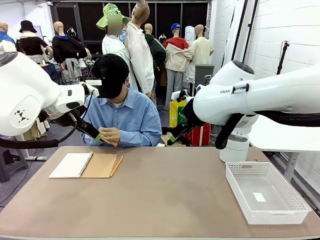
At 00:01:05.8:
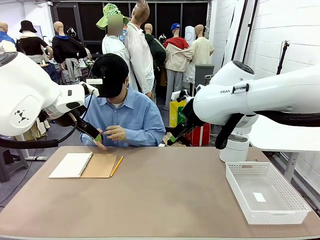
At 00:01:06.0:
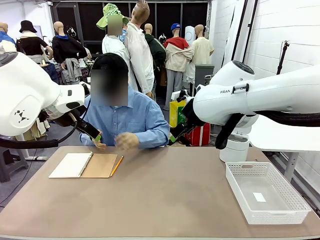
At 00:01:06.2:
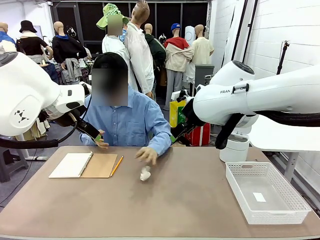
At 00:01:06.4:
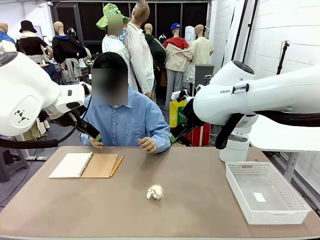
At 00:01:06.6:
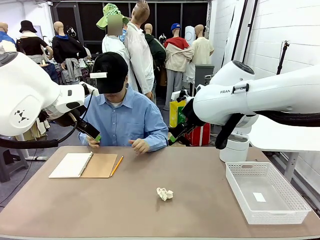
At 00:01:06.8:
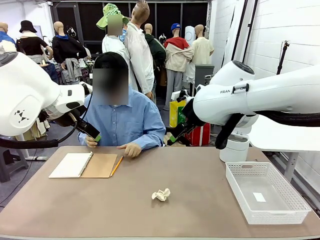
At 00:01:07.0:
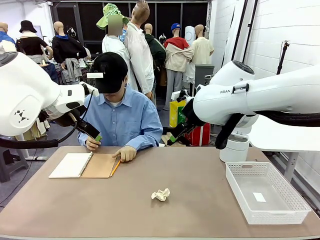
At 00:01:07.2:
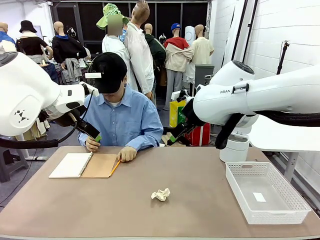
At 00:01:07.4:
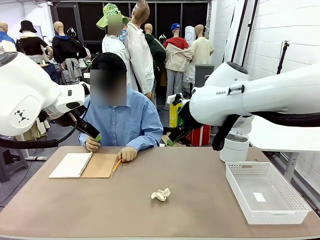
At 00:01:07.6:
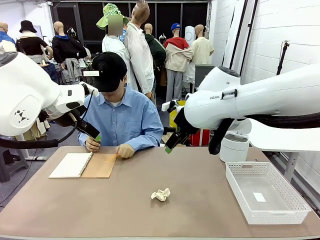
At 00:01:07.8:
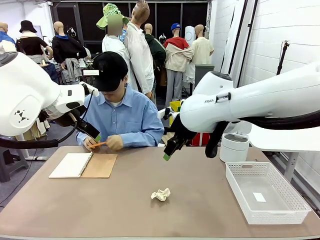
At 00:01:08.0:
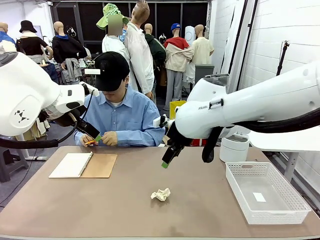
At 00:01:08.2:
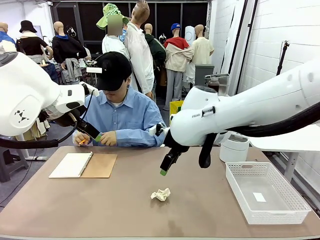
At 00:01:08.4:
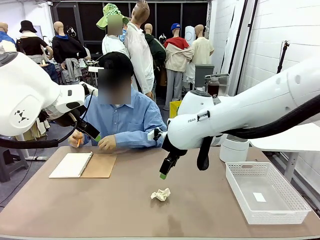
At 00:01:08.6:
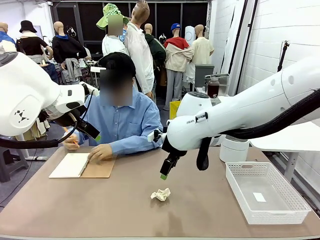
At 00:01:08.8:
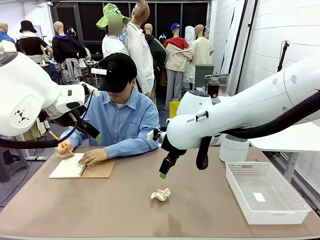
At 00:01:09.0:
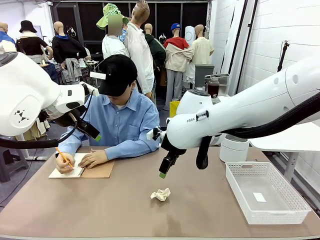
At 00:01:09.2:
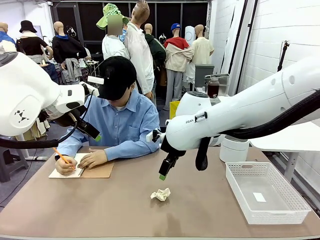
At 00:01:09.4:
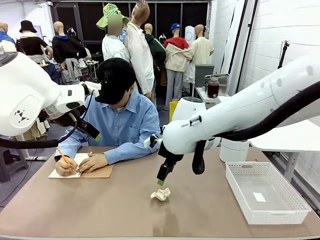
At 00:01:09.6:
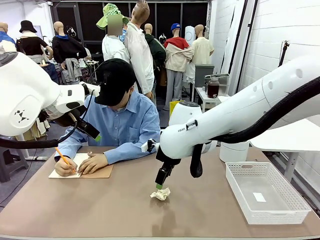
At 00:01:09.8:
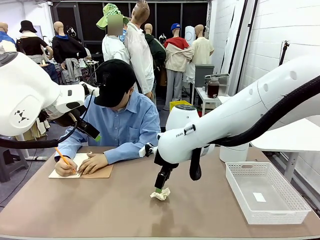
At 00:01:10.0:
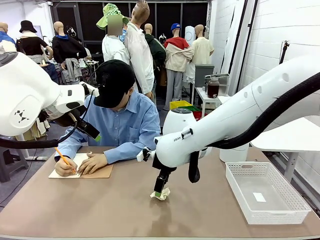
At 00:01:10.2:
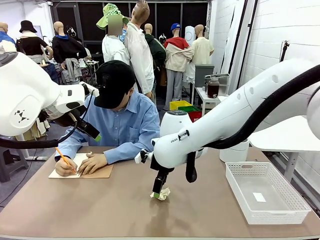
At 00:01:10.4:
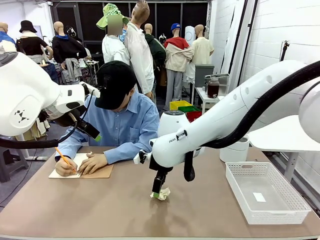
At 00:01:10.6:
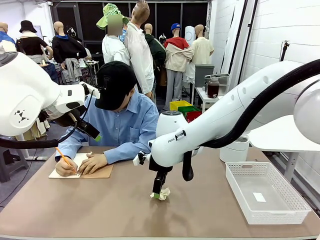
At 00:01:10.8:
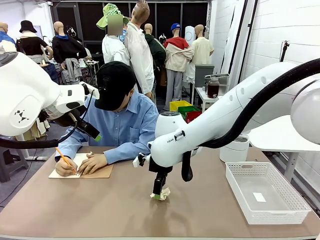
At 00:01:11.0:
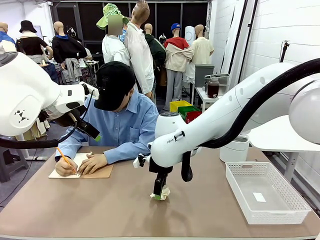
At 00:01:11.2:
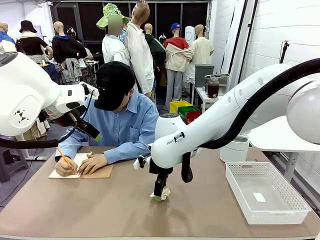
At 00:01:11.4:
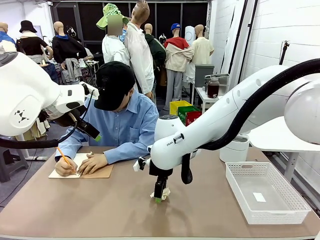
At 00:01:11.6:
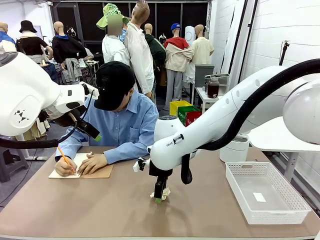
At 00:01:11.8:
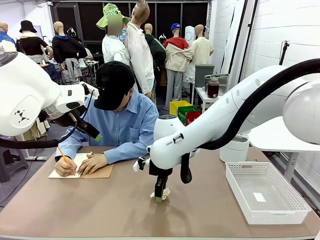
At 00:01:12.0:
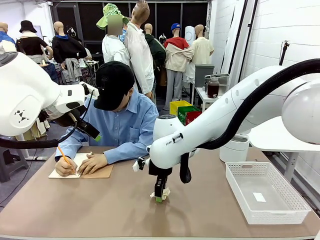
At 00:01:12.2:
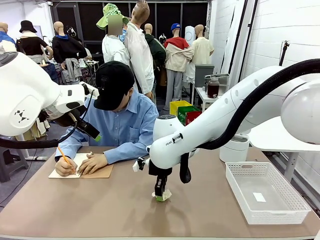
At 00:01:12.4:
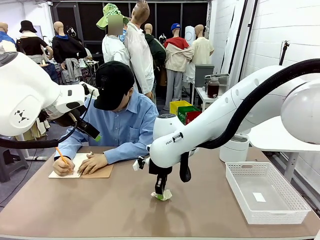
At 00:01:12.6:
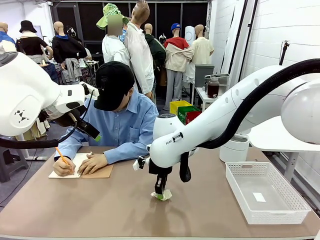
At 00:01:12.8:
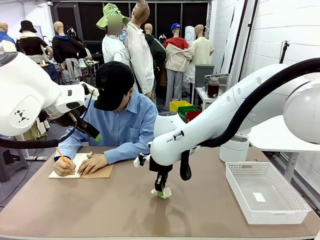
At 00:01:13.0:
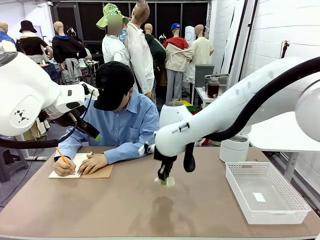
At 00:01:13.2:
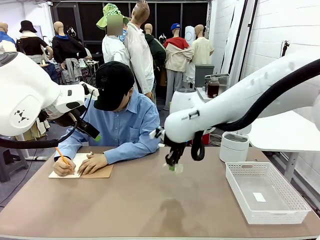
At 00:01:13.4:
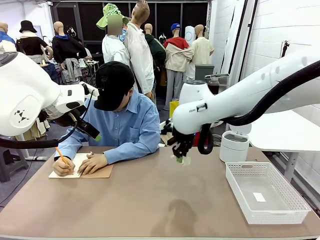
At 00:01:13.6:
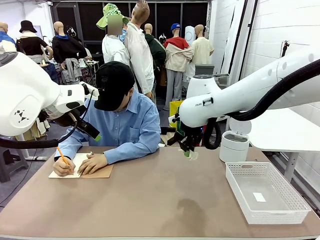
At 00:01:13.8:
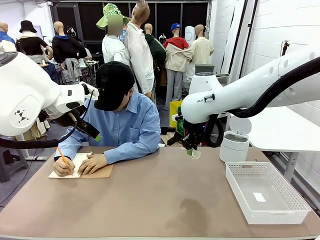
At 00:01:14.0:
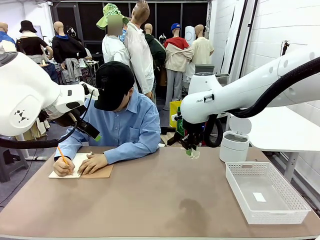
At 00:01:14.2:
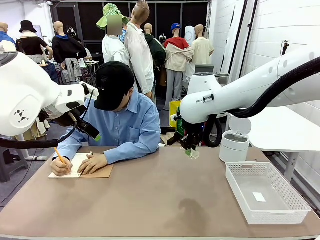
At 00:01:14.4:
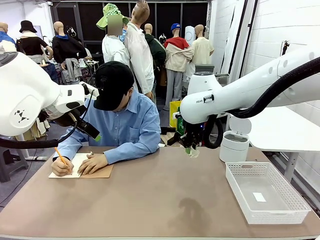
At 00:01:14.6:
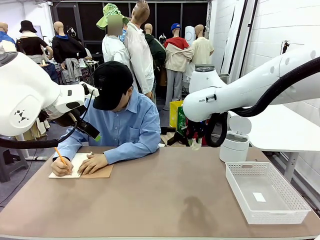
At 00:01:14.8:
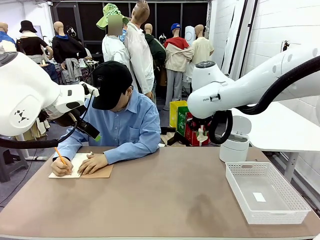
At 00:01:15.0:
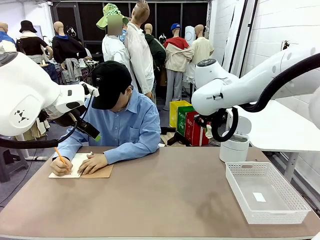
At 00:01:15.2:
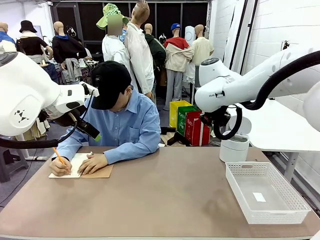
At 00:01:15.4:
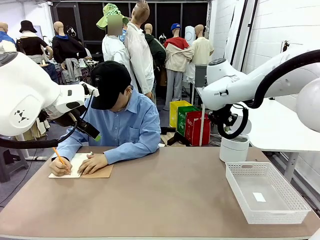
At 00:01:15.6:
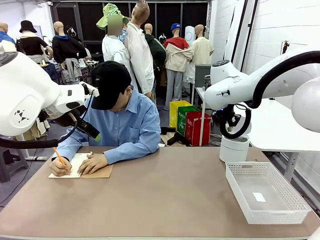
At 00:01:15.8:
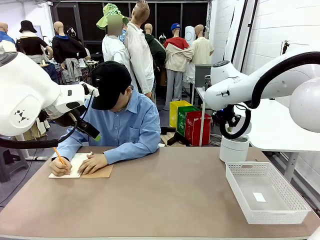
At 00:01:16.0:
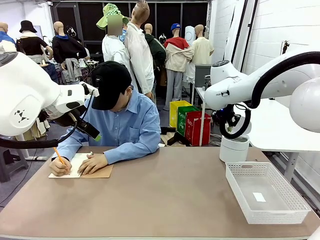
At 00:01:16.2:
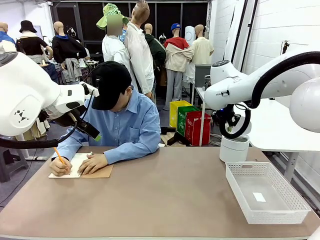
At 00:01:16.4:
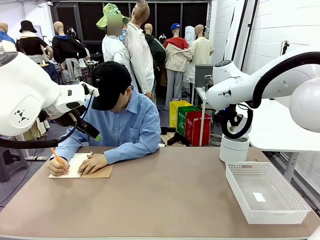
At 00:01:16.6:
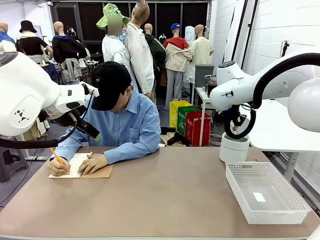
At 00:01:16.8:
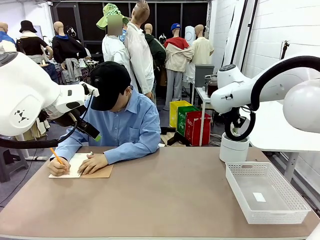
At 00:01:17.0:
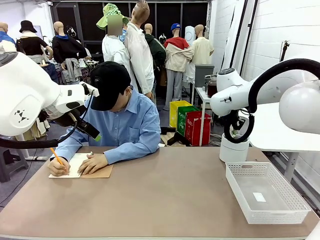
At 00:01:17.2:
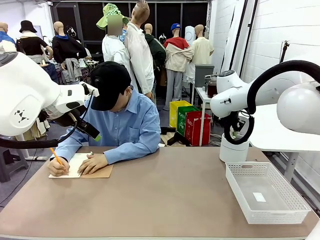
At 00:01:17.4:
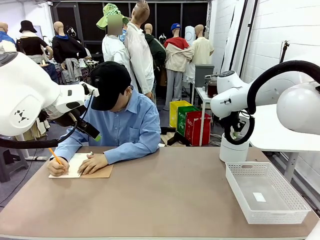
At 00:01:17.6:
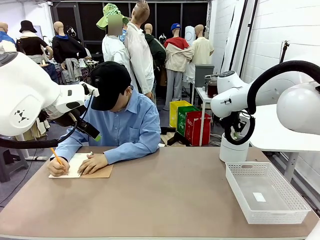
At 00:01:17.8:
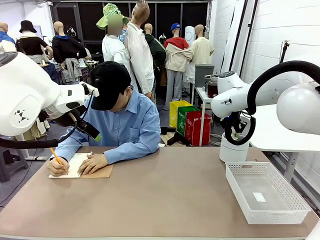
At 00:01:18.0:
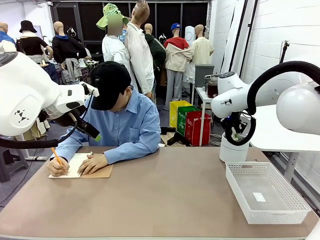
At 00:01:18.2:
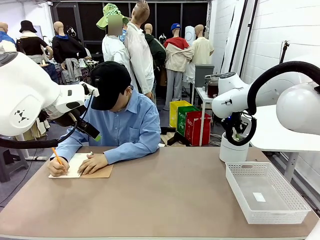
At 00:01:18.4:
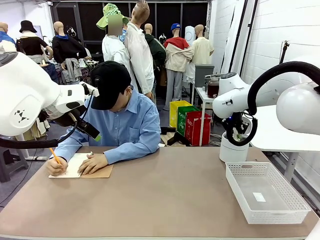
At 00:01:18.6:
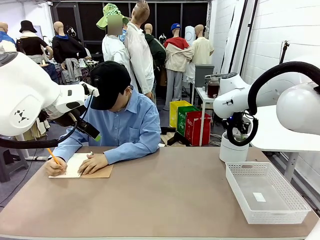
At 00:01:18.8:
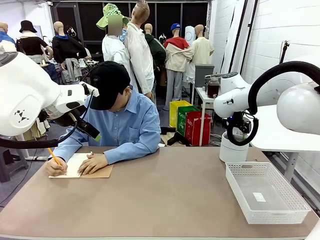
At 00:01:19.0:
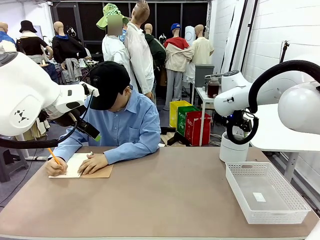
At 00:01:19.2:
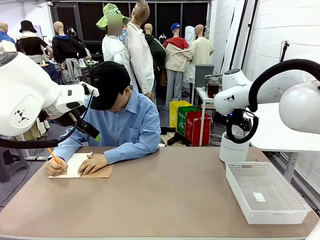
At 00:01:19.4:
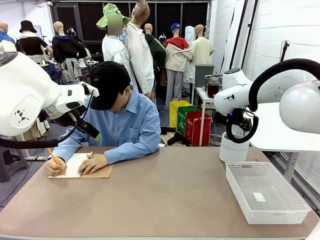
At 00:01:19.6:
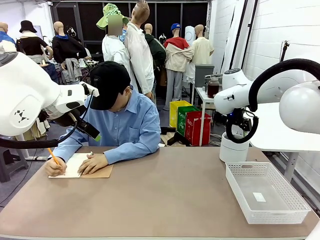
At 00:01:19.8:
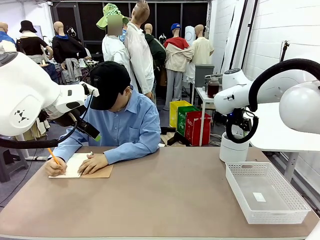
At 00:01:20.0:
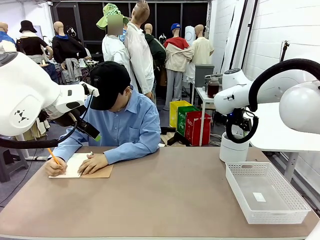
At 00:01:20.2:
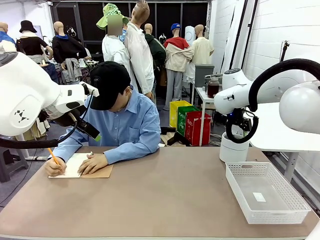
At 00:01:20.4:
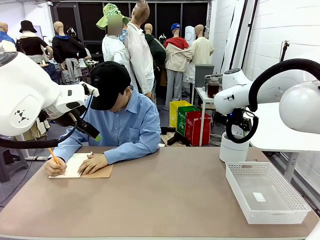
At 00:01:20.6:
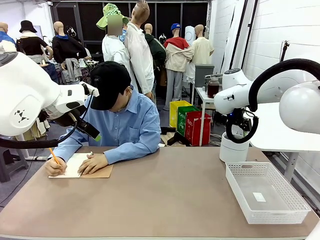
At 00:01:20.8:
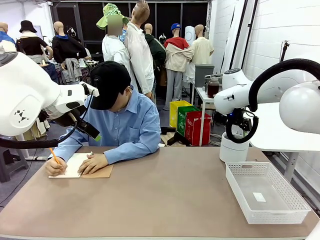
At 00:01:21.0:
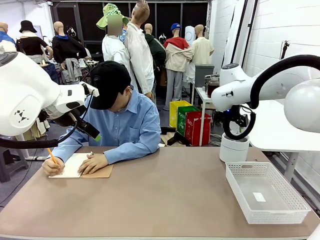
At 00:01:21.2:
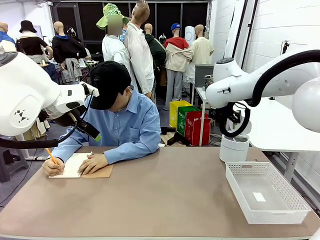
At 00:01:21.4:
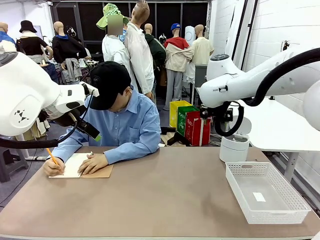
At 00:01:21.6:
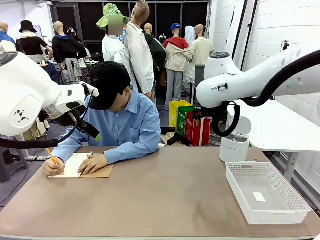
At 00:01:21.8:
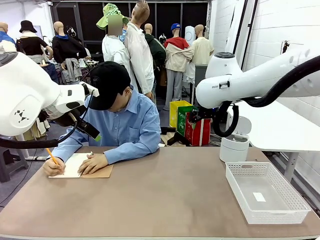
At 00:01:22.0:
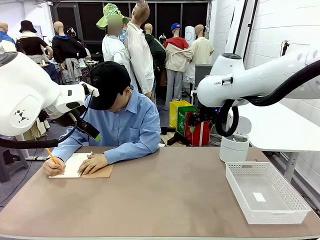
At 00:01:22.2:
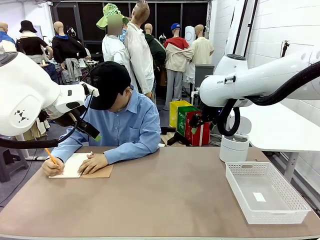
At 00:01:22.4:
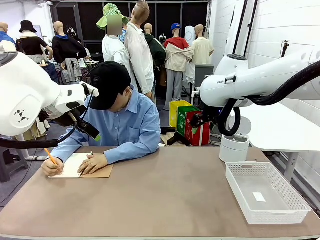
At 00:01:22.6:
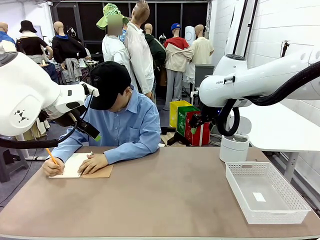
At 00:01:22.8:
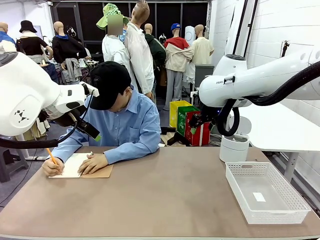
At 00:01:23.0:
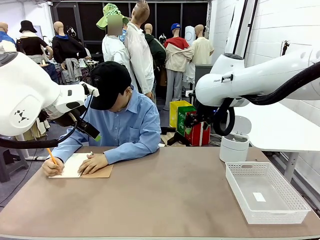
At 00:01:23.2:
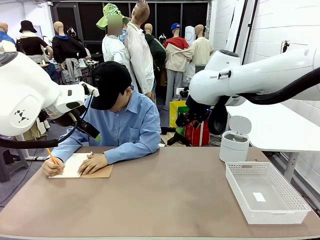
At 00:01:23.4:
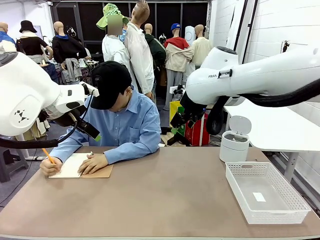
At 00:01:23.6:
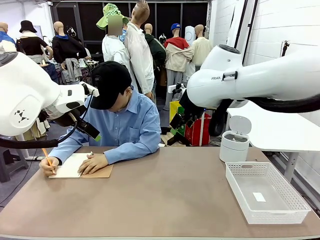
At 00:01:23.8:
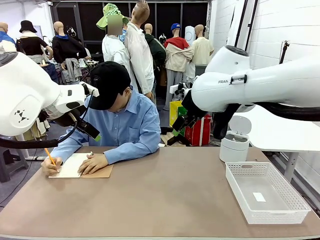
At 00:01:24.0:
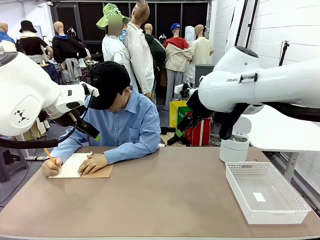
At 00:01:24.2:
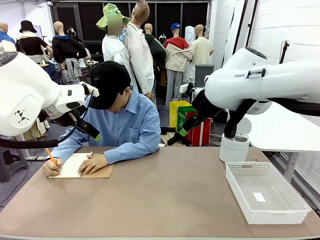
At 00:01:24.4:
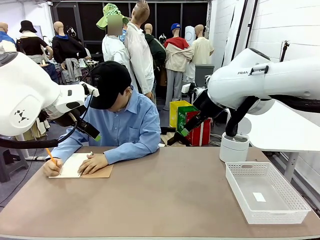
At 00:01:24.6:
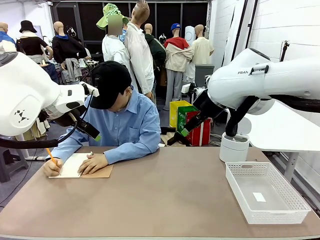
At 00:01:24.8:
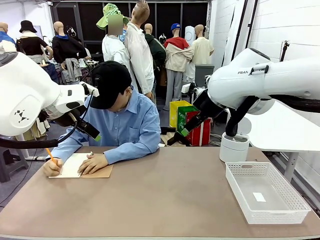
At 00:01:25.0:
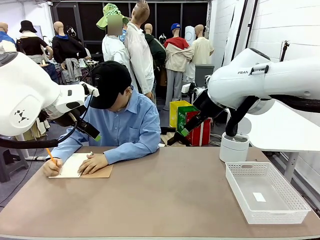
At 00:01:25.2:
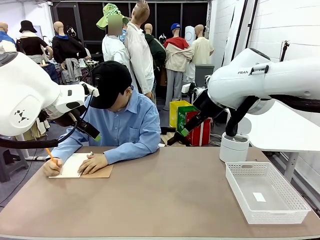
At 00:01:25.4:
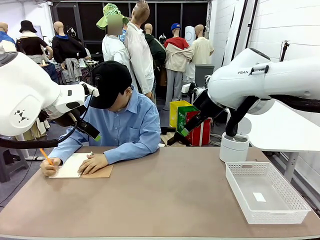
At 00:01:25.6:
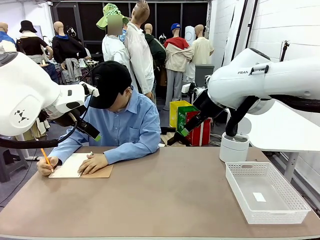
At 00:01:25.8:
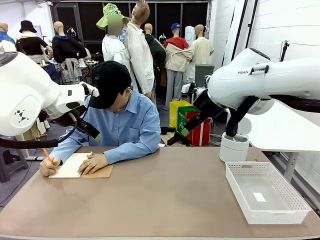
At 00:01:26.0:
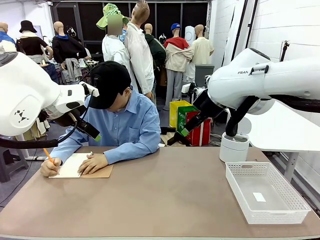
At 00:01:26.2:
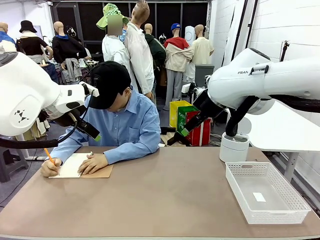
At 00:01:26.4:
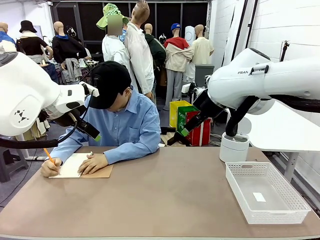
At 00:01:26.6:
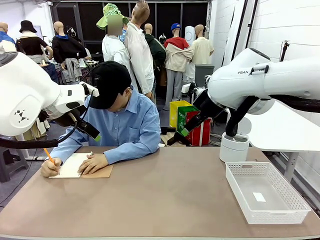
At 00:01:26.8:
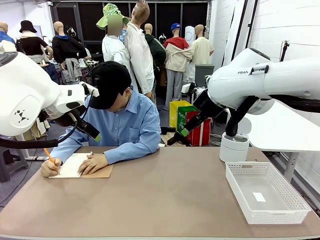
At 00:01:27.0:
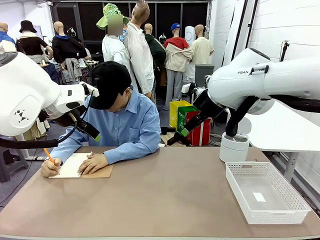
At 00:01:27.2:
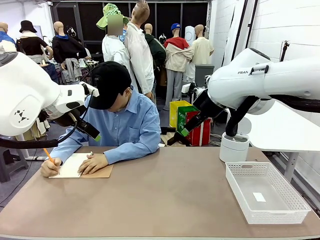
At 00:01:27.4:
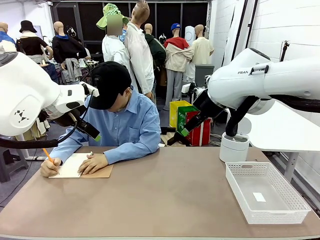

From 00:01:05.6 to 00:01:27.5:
Task: Sort the paper based on its condition.
Robot: If a person hands you a paper, place it in the Organizing basket , and if it's crumpled, put it in the Trash can.
Person: Tear out a page from the spiral notebook.
